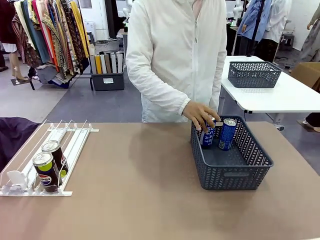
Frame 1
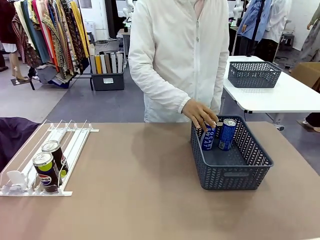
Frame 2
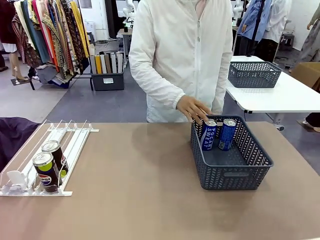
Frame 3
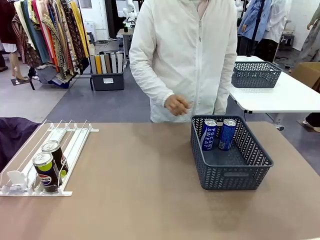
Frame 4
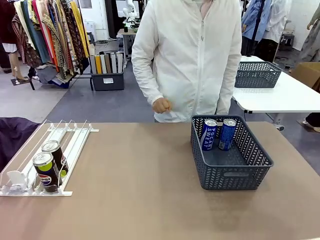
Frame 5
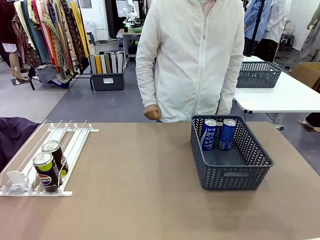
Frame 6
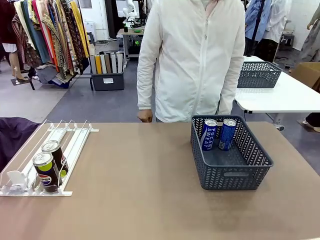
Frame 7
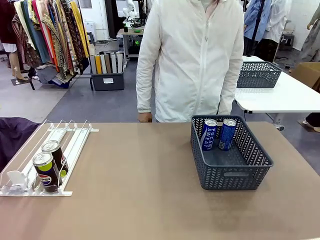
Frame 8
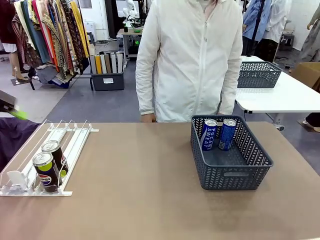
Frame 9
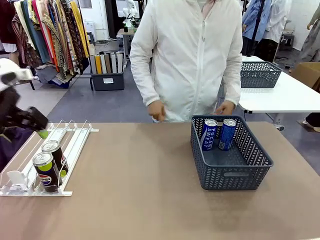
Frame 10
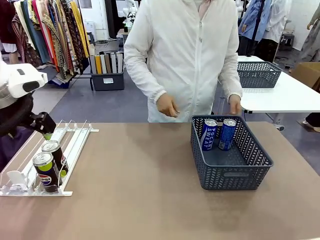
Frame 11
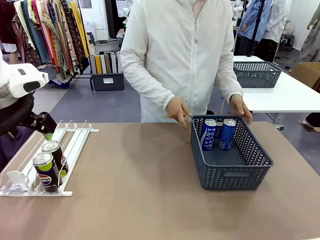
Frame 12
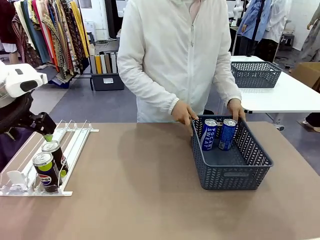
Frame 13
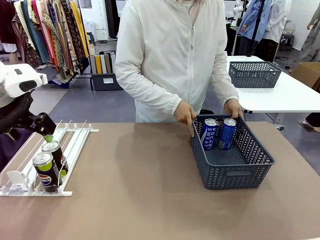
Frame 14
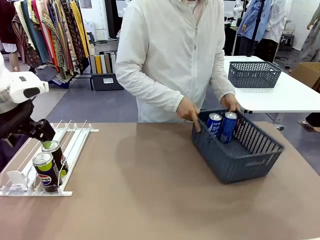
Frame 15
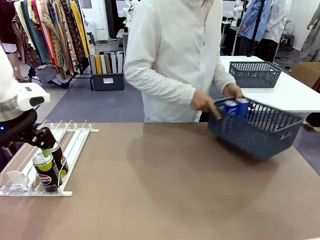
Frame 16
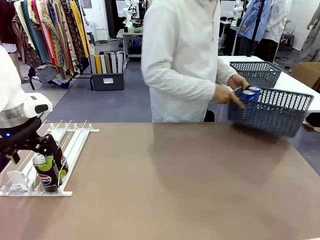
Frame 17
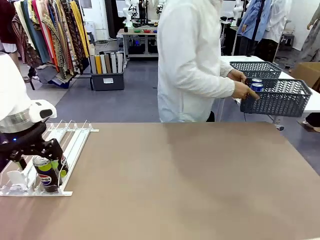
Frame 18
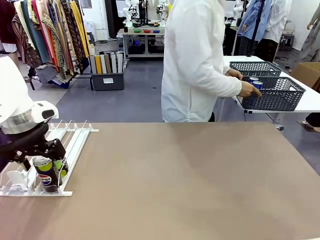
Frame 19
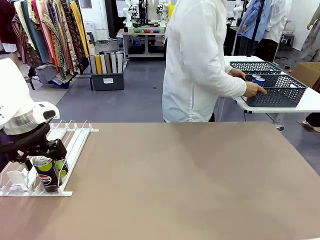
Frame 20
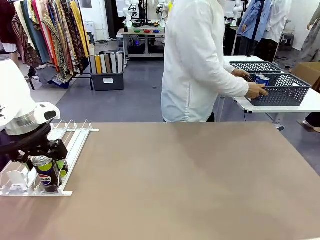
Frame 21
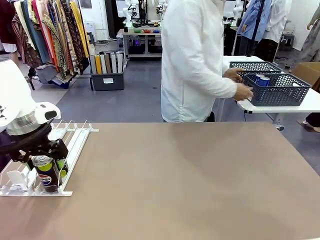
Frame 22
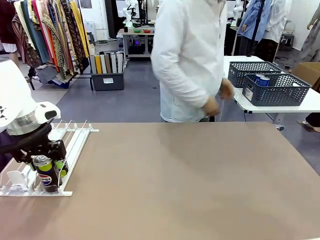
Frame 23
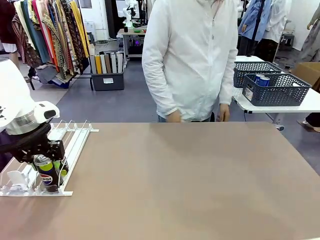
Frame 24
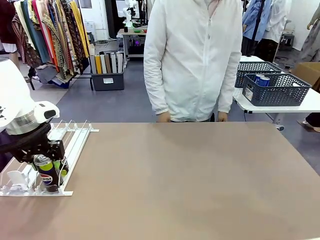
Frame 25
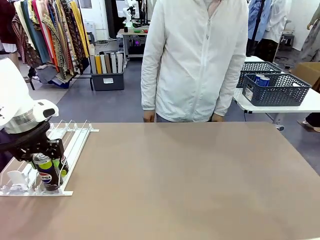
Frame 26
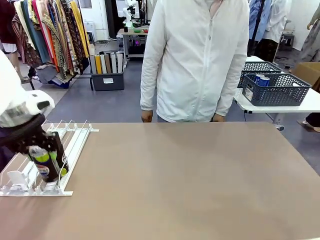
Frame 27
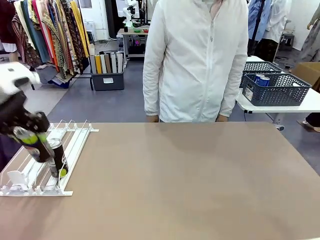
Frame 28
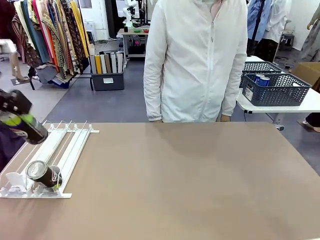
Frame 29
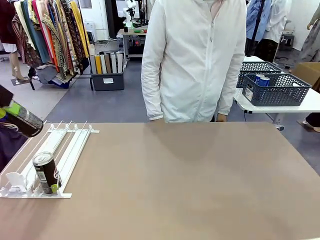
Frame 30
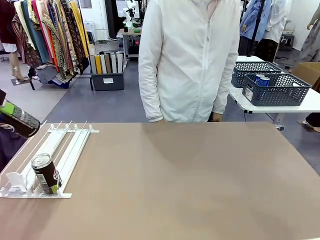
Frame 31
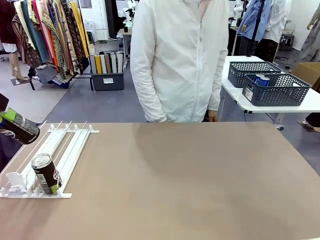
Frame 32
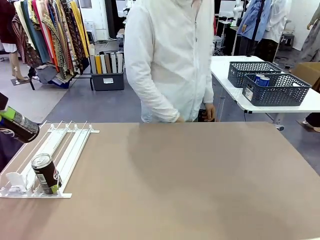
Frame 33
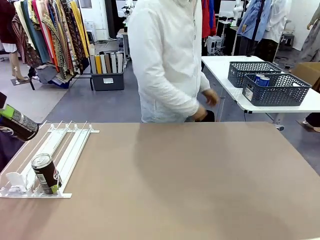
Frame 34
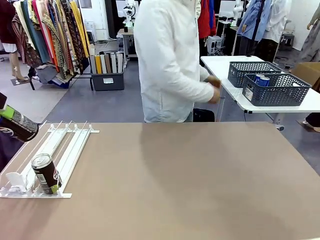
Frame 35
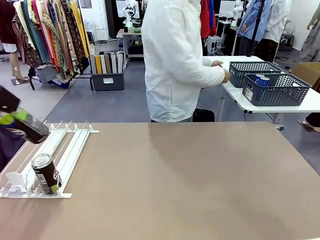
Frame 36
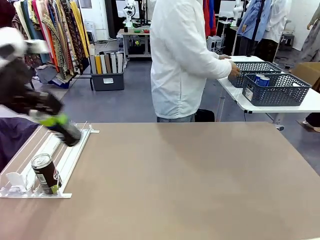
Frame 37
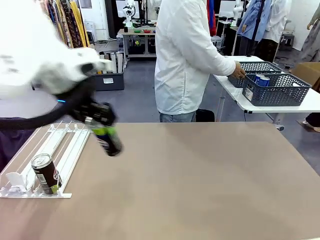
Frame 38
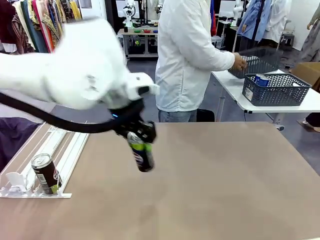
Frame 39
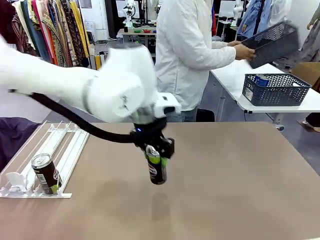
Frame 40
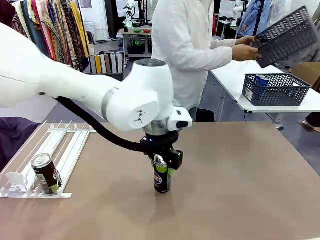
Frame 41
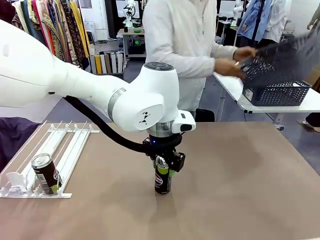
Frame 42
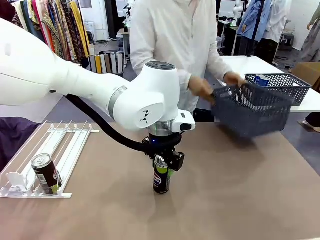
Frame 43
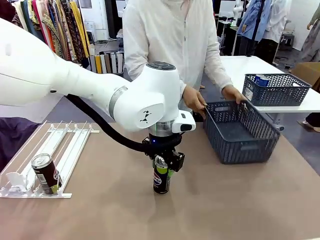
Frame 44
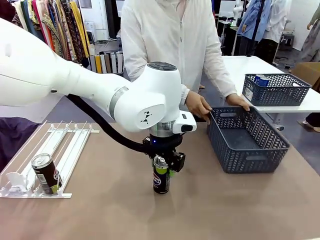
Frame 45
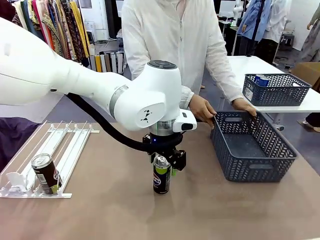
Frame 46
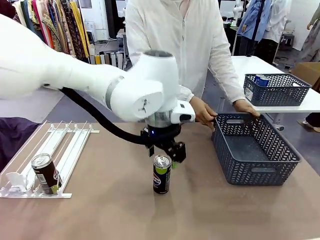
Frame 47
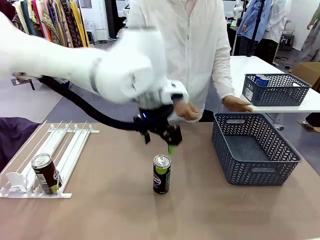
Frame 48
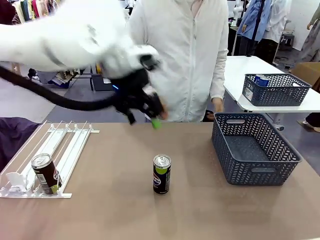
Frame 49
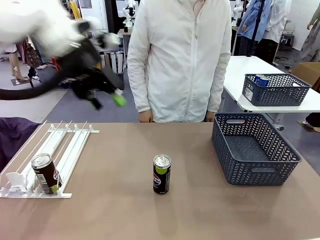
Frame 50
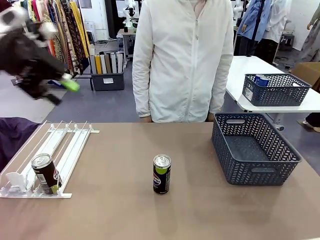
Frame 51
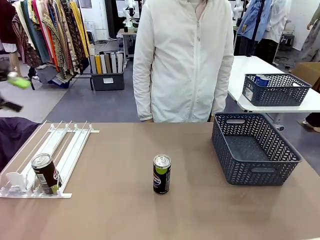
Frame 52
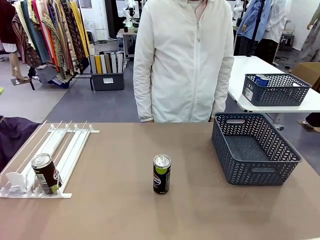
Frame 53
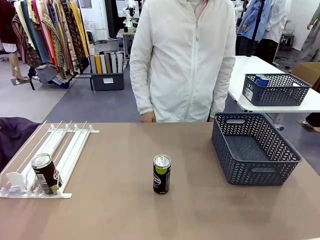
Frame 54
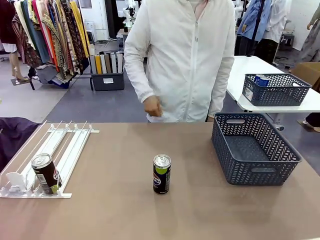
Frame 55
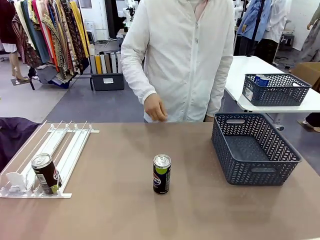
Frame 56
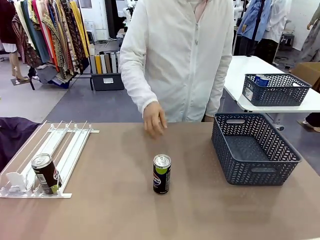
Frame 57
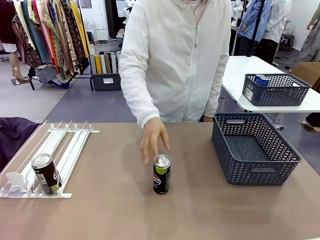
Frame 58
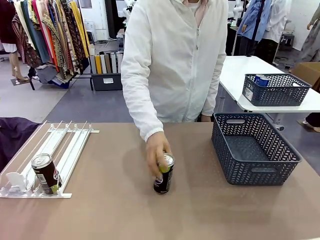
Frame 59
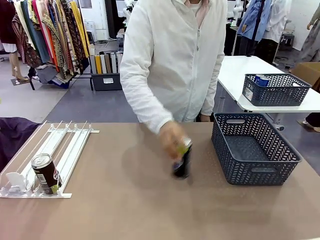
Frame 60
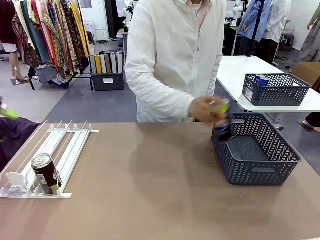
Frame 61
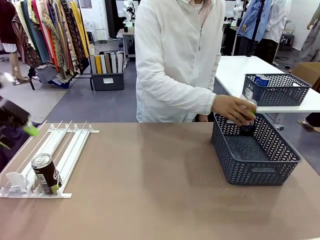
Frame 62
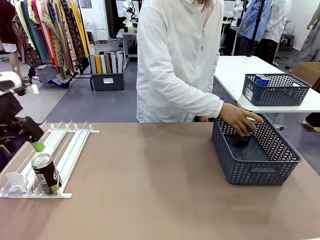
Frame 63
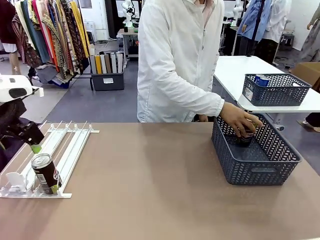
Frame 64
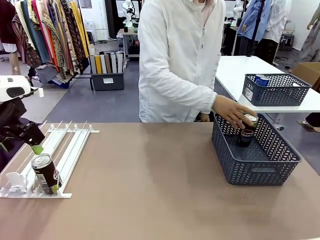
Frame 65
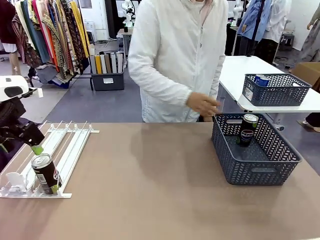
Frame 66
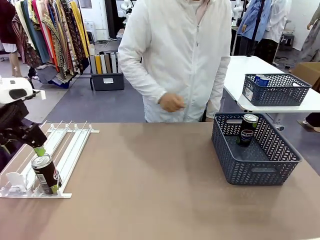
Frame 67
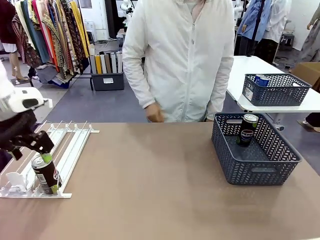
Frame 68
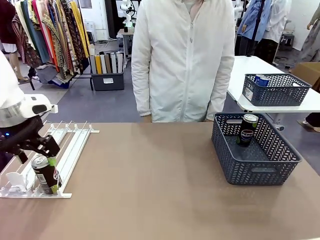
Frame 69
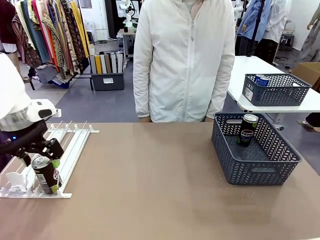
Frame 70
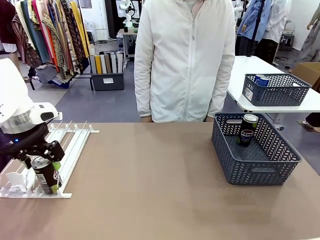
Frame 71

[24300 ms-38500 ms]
Task: Retrieve and store the cans from the dispenser.
Robot: Pick up one can from the Automatic Can Dispenser and place it in the middle of the table.
Person: Pick up the basket and place it in the middle of the human table. Pick up the empty basket and place it on the left side of the robot table.
